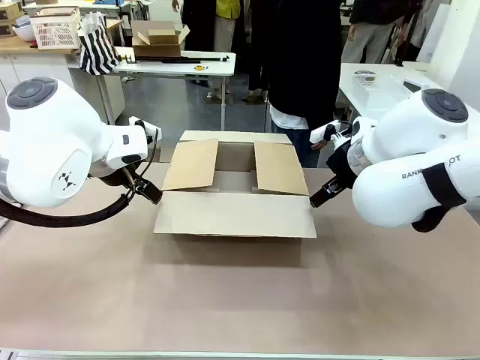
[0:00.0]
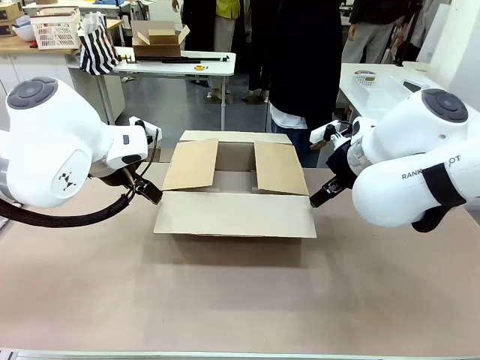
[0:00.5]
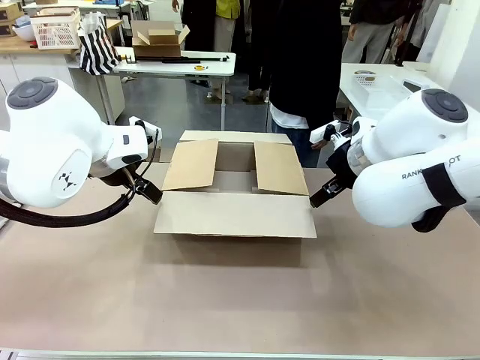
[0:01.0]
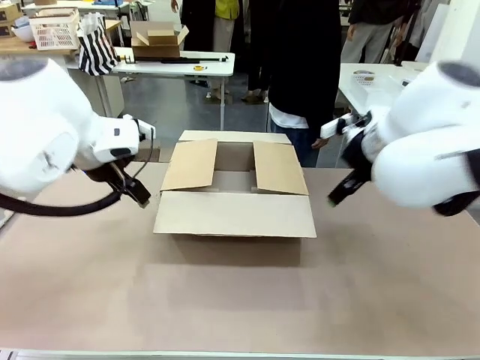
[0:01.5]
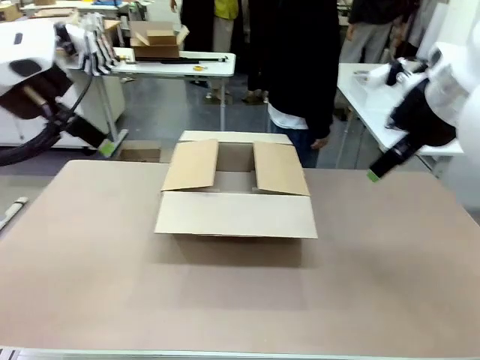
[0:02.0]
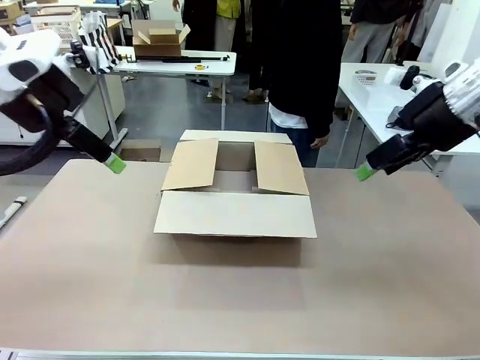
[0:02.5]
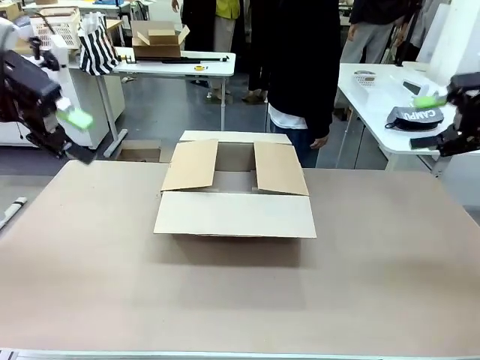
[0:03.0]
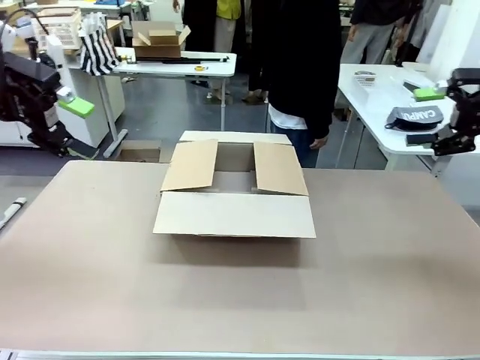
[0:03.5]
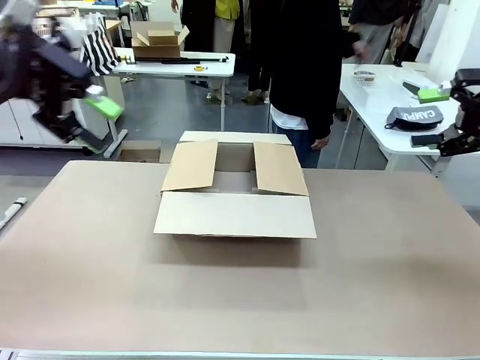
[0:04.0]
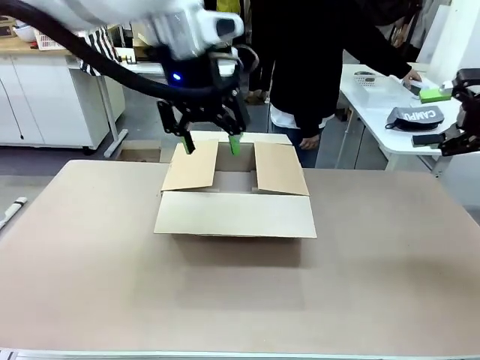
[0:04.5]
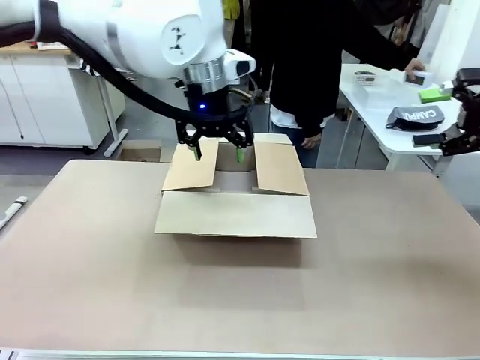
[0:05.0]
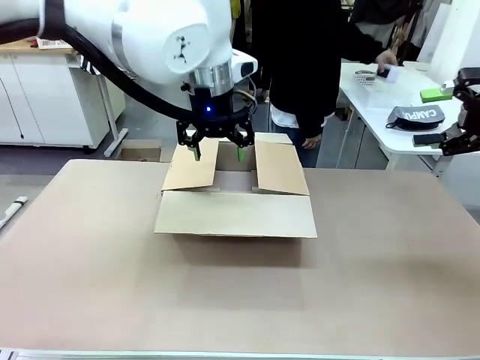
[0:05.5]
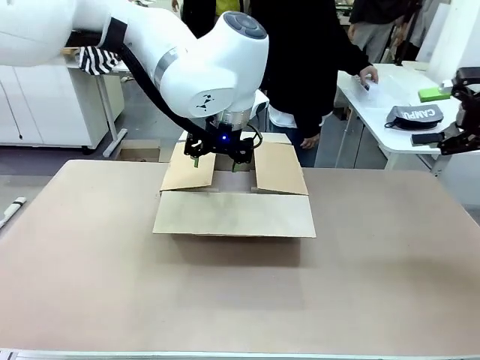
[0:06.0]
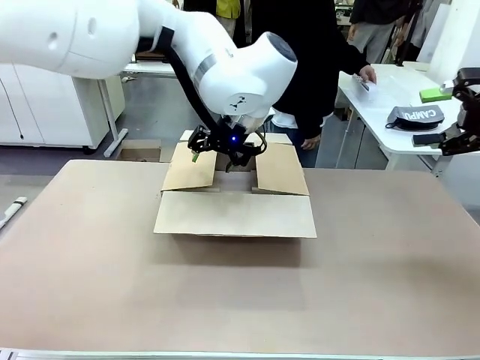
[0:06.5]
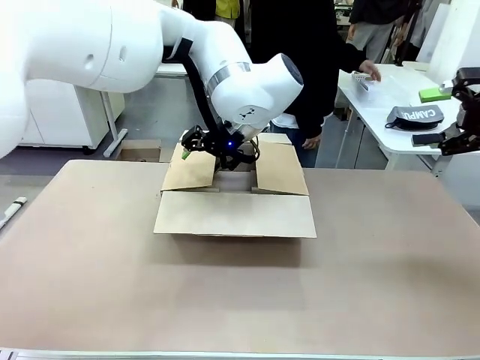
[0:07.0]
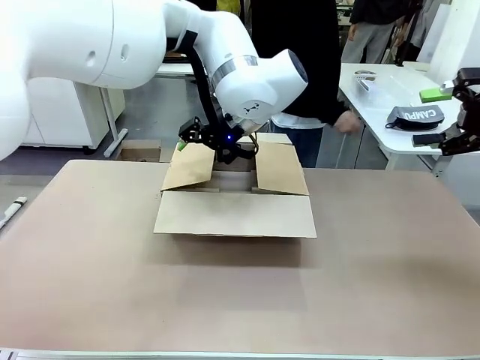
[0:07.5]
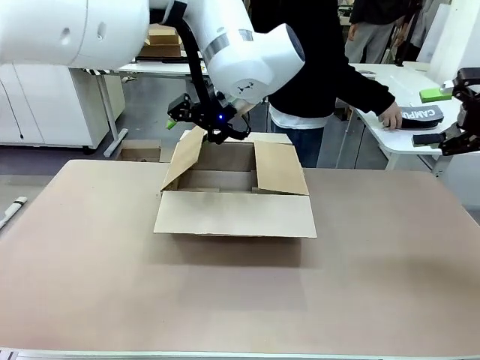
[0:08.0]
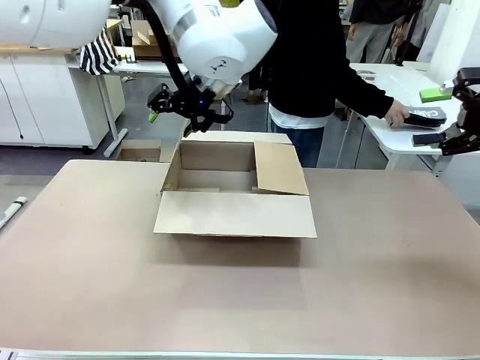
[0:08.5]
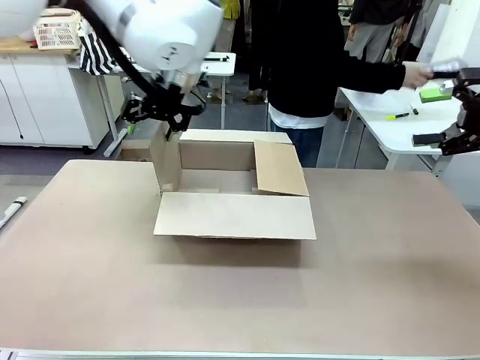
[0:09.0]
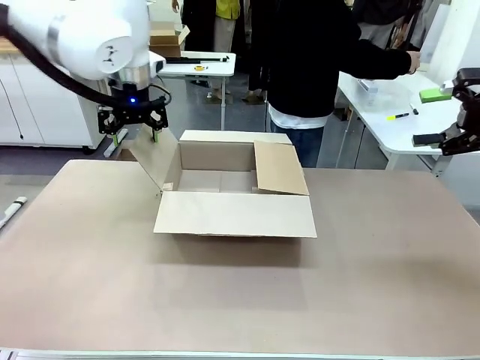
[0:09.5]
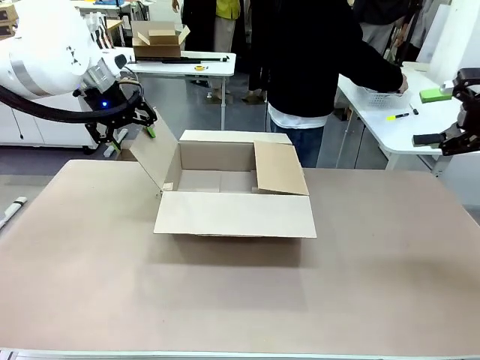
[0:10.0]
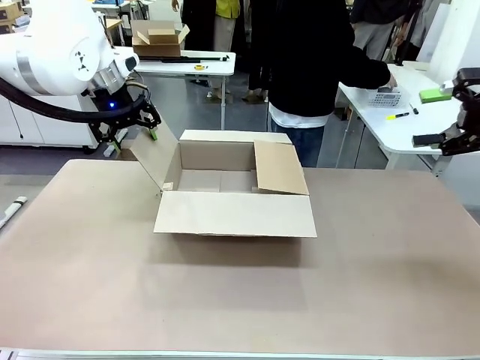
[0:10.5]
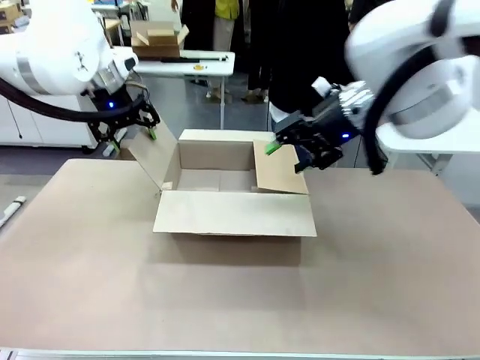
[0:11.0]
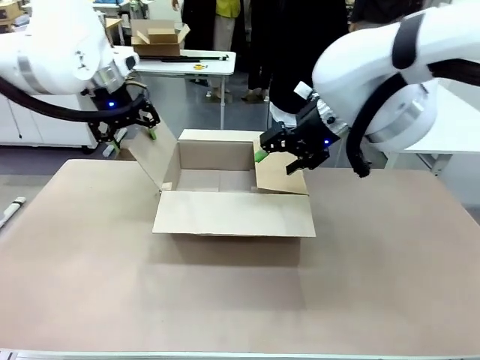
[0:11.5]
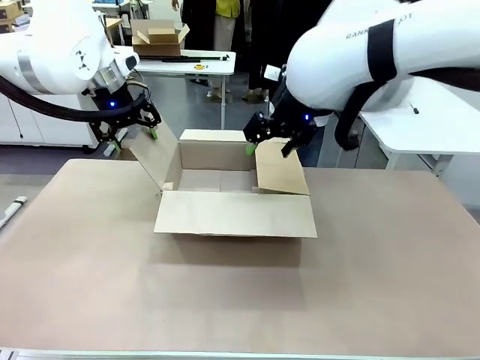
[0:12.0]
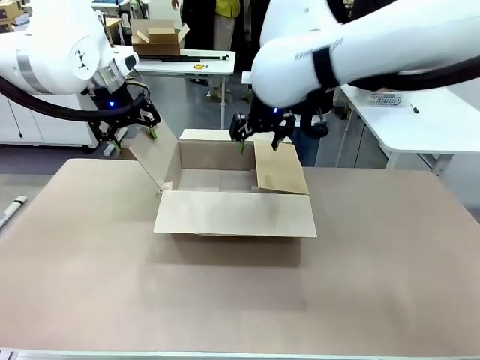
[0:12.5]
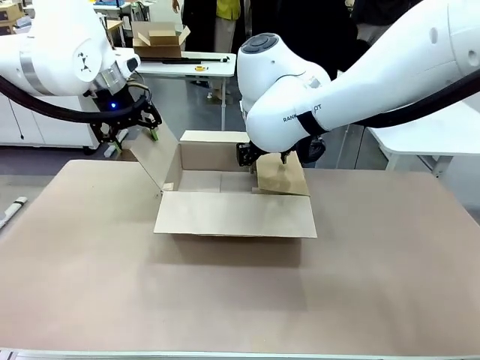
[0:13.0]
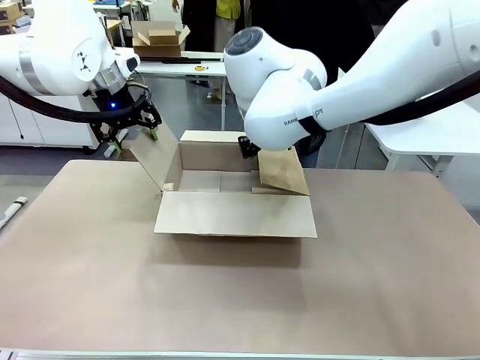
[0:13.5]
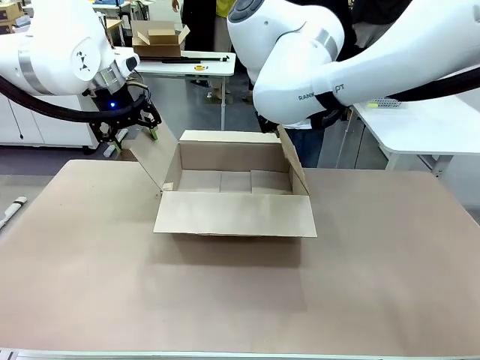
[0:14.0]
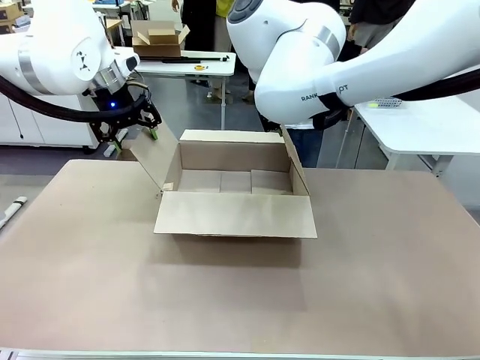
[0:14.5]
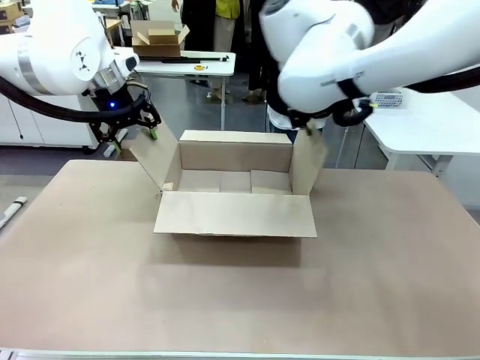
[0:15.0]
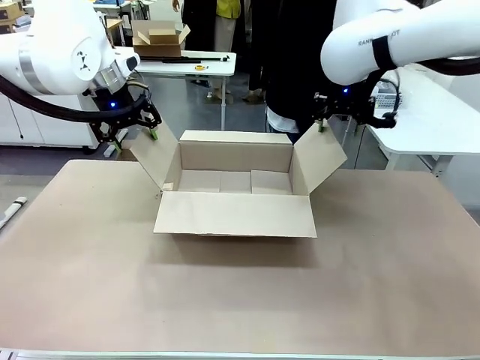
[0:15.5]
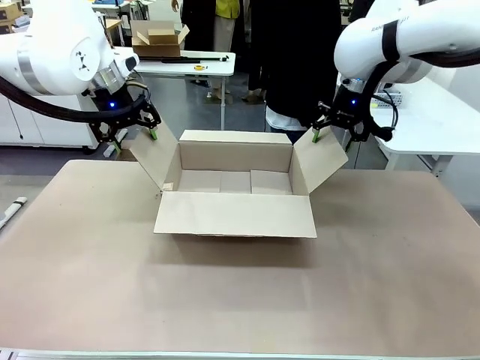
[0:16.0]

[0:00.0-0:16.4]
Task: Pack the gift set into the box.
Robot: Place both hands on the side flaps of the Package Box and spread them outward.
Person: The human places all items except the paper tape into the organizing basket.

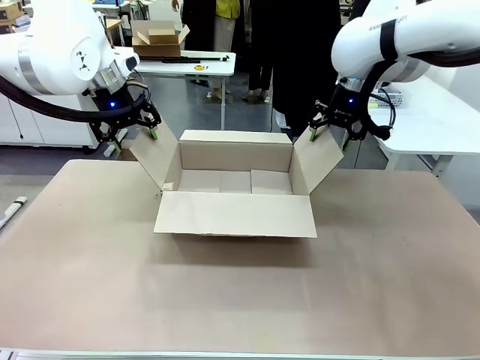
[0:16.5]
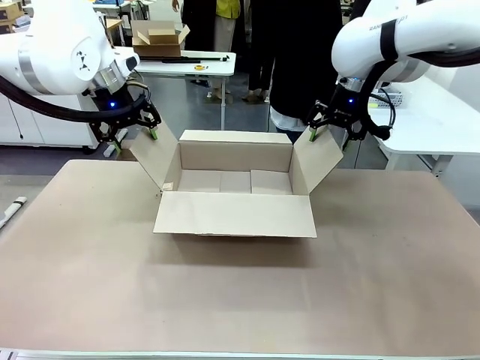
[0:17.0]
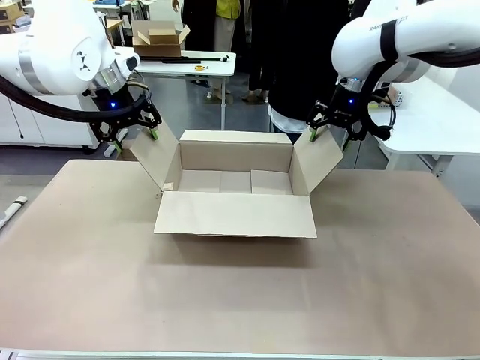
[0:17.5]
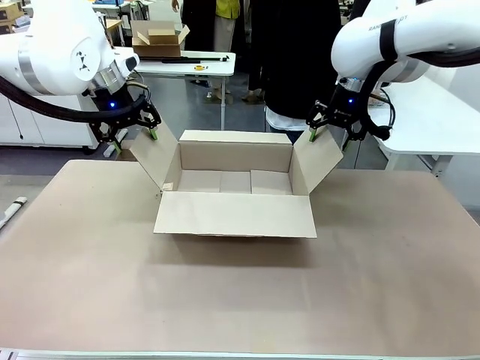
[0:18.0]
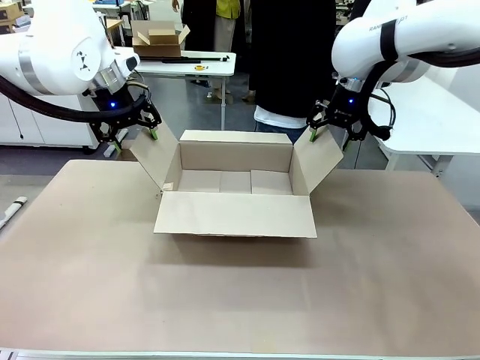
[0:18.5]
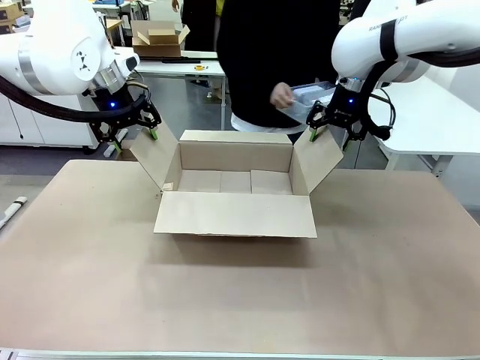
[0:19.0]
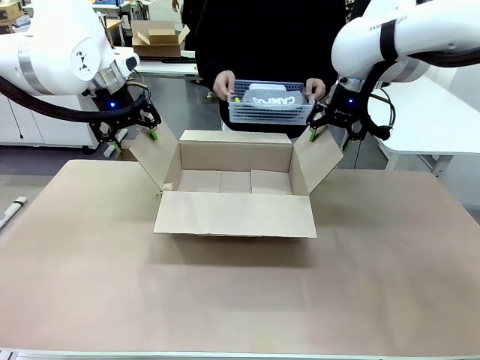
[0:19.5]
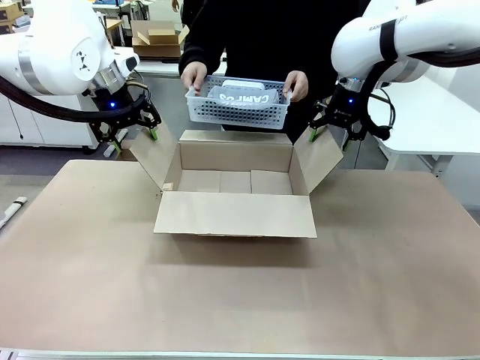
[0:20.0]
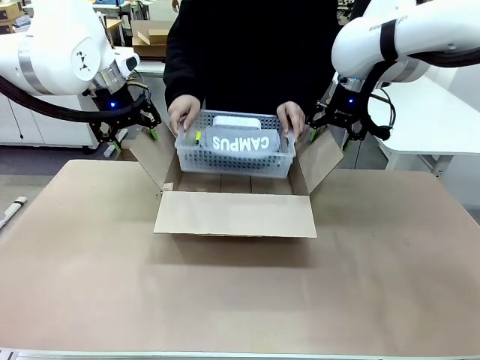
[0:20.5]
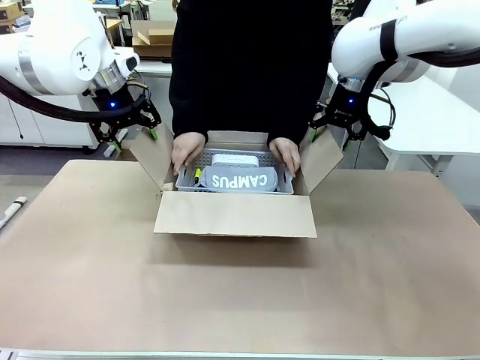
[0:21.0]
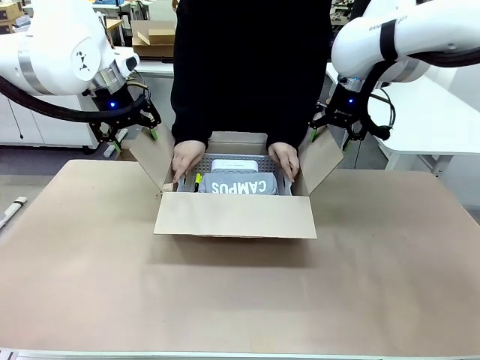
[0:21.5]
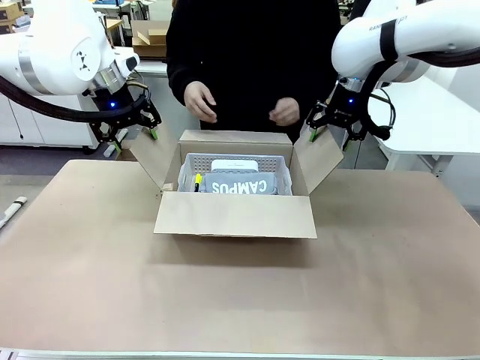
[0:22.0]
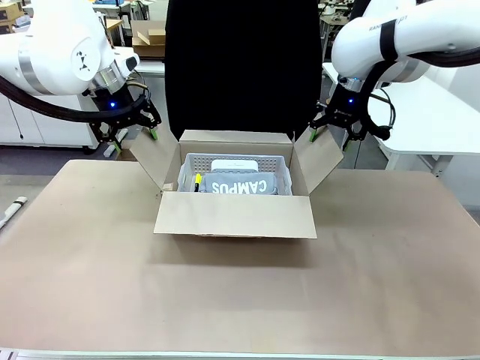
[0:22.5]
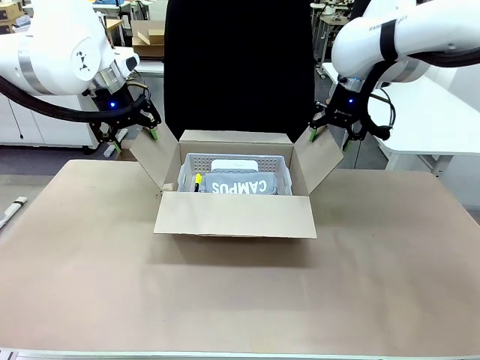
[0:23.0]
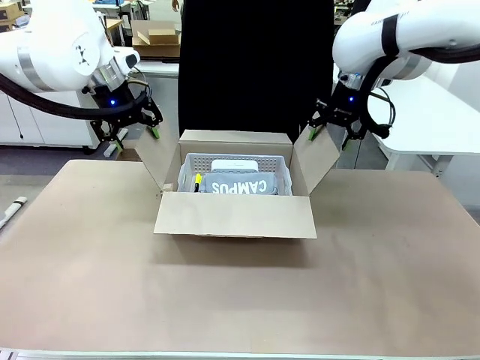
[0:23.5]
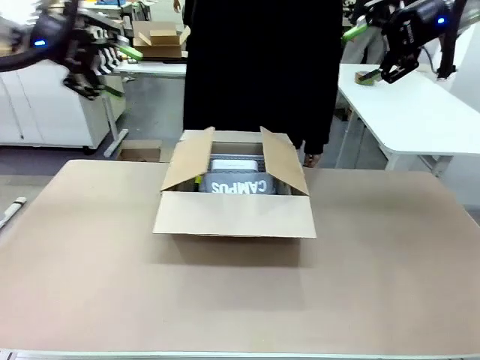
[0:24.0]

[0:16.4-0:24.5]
Robot: Lift both hands away from the flaps of the Package Box.
Person: The human picks up the organizing basket and places the organizing basket into the package box on the robot table.
